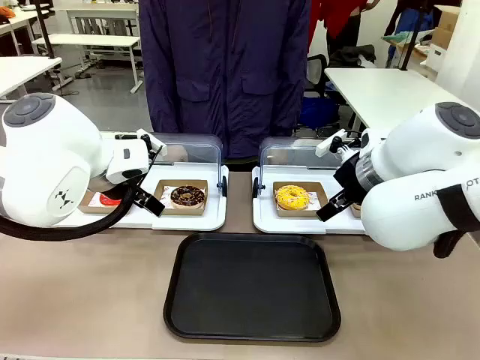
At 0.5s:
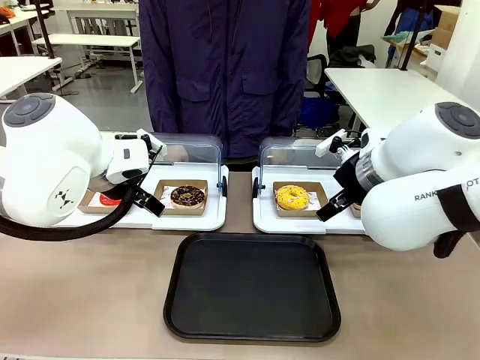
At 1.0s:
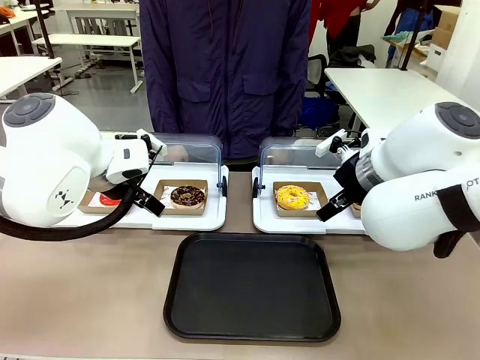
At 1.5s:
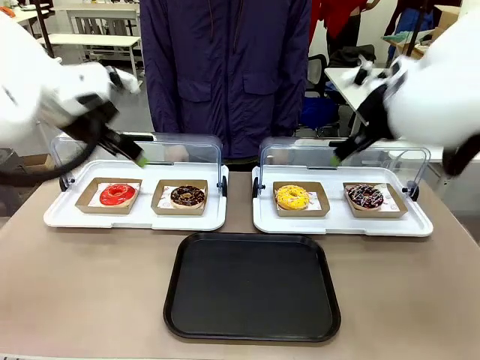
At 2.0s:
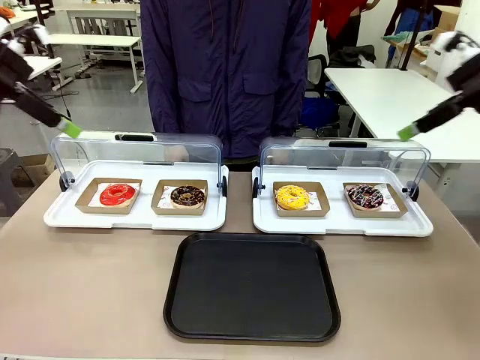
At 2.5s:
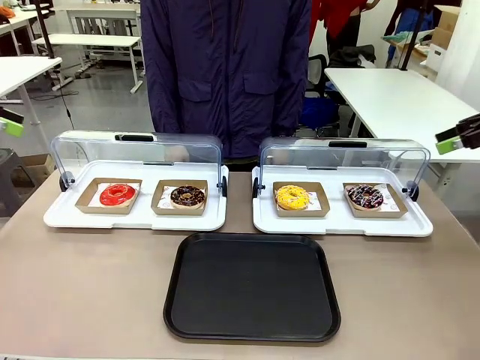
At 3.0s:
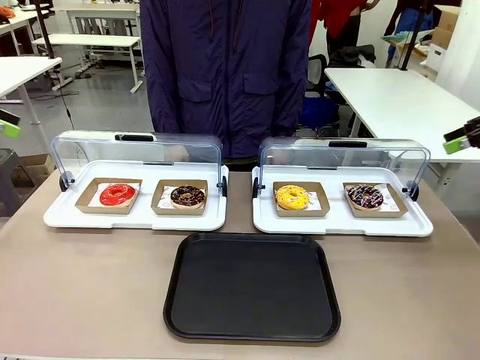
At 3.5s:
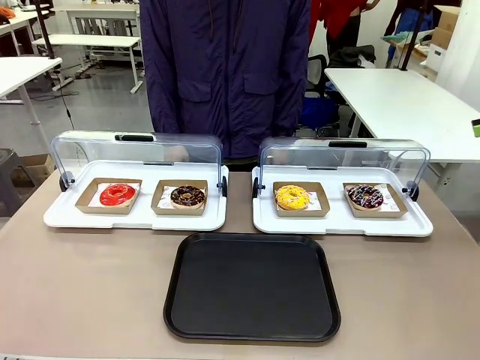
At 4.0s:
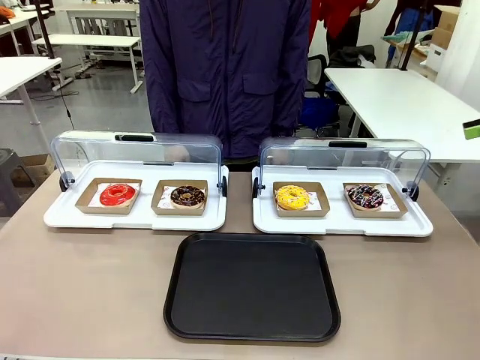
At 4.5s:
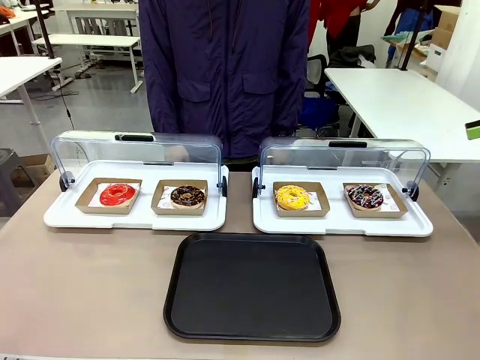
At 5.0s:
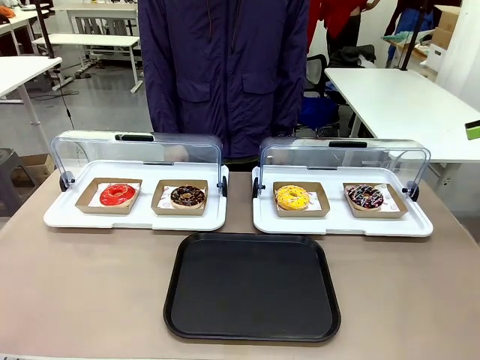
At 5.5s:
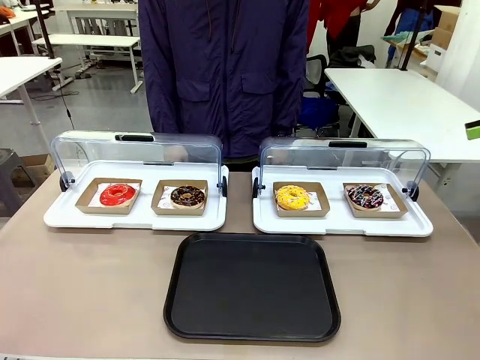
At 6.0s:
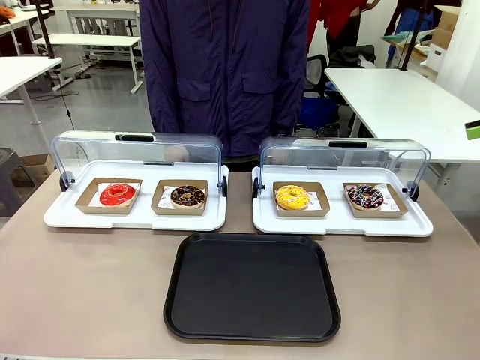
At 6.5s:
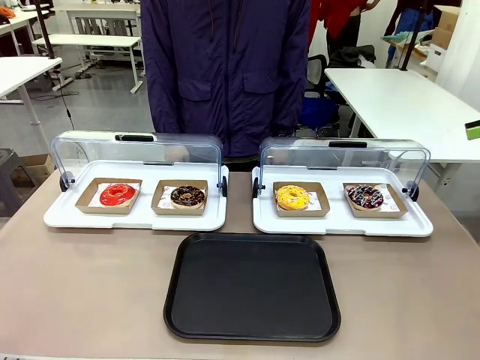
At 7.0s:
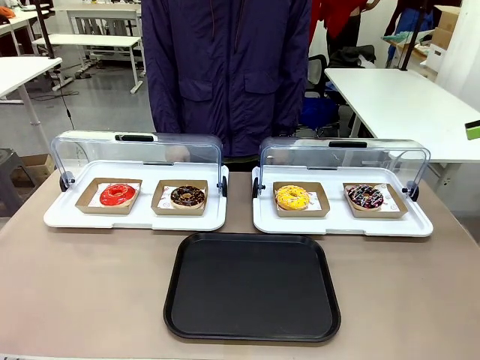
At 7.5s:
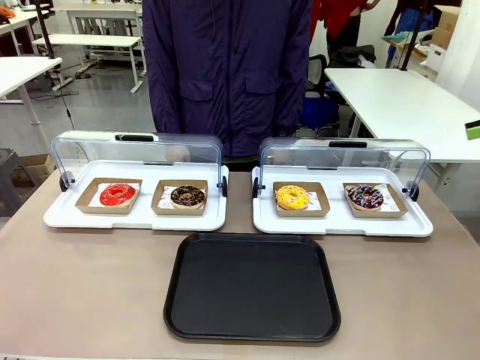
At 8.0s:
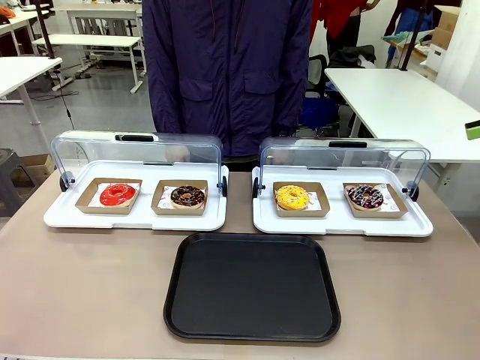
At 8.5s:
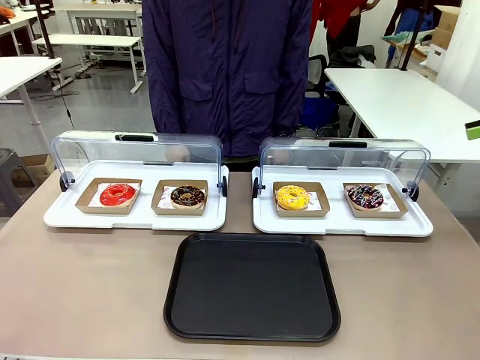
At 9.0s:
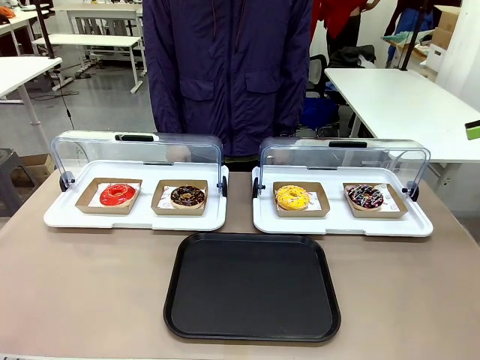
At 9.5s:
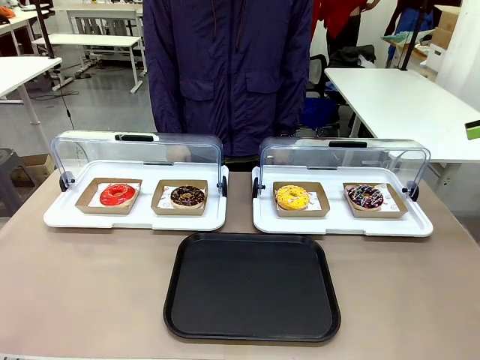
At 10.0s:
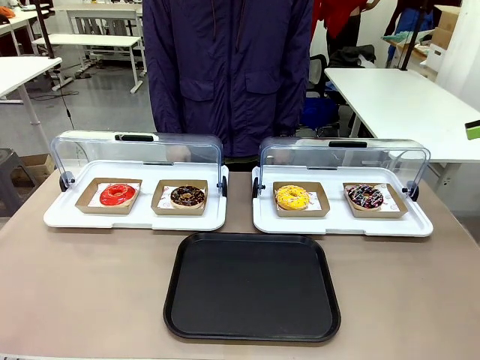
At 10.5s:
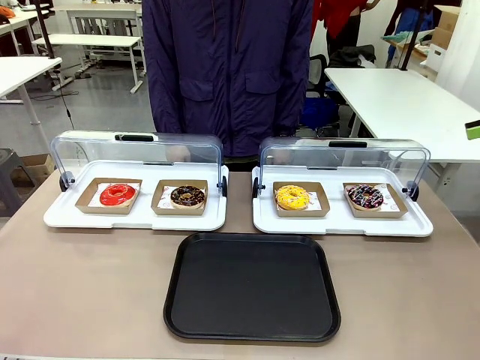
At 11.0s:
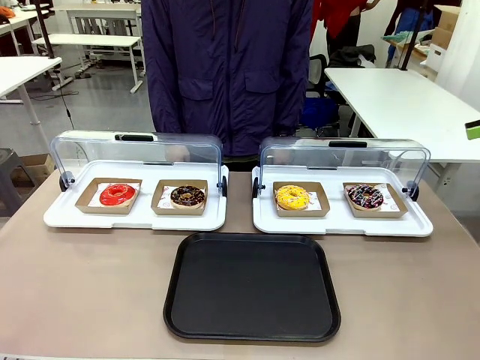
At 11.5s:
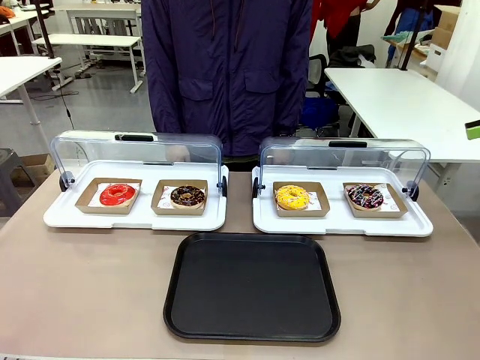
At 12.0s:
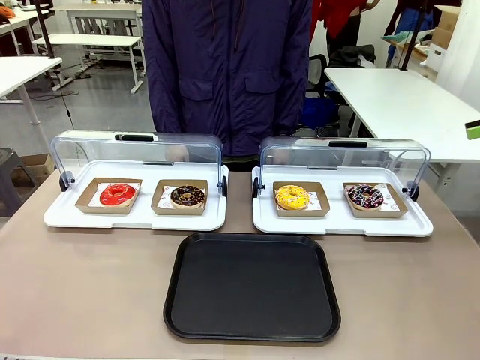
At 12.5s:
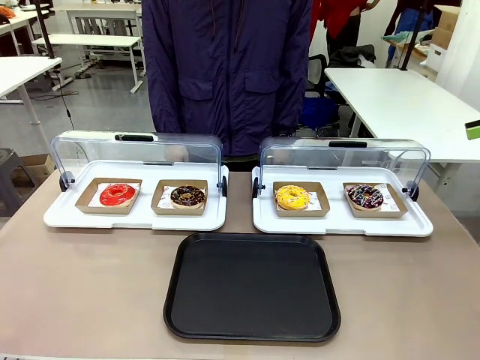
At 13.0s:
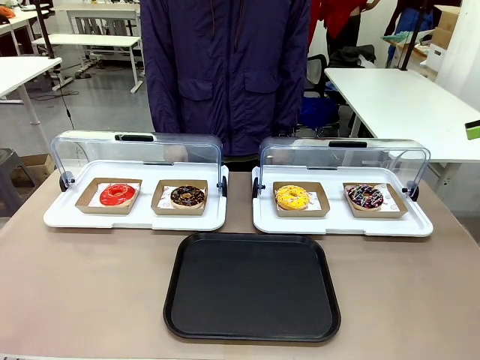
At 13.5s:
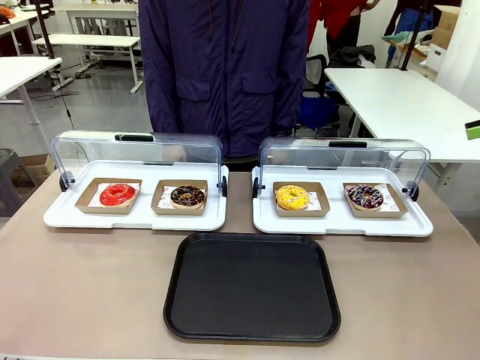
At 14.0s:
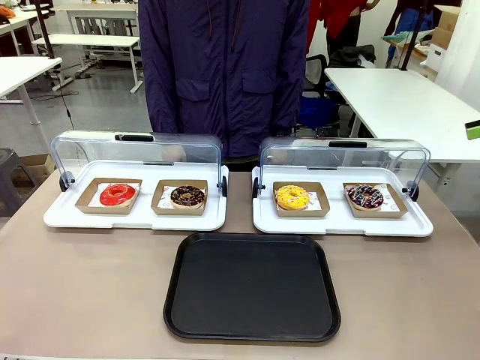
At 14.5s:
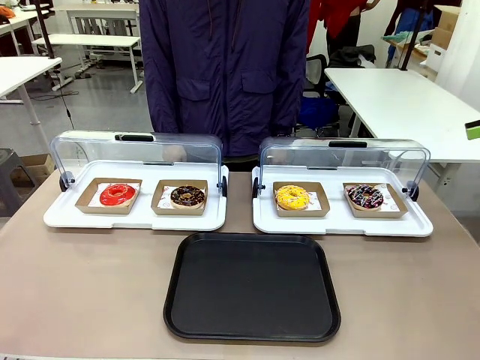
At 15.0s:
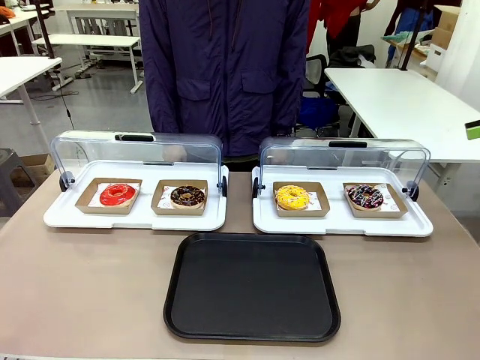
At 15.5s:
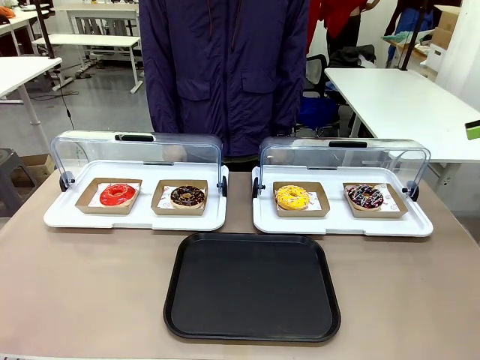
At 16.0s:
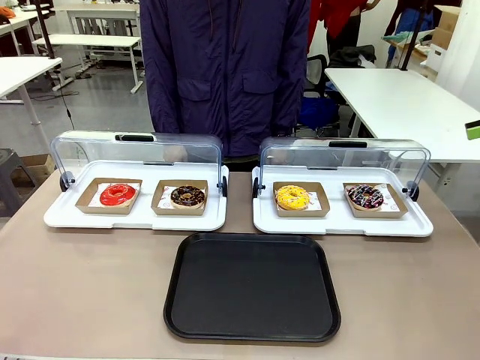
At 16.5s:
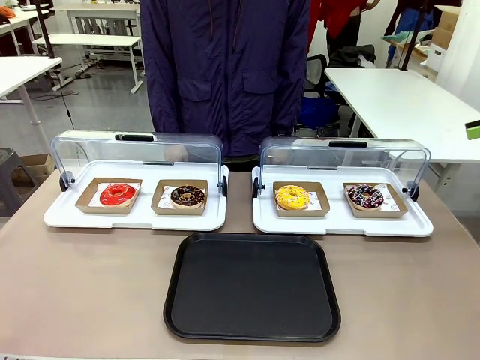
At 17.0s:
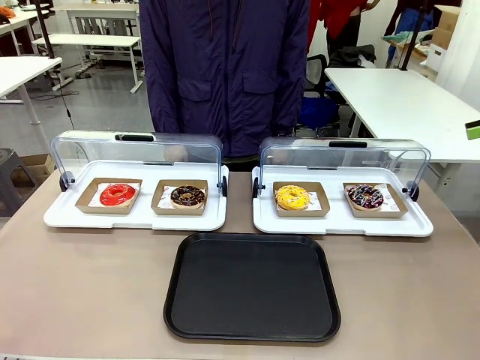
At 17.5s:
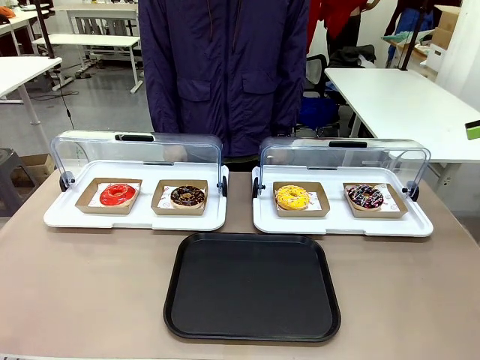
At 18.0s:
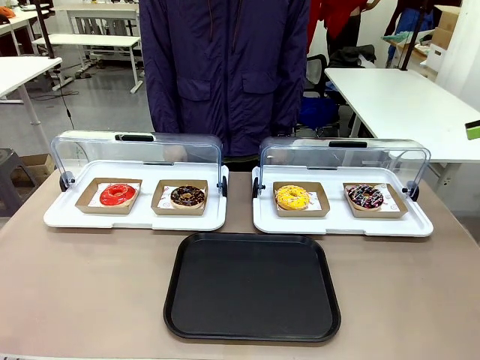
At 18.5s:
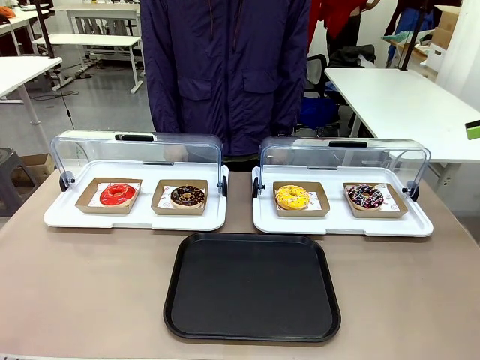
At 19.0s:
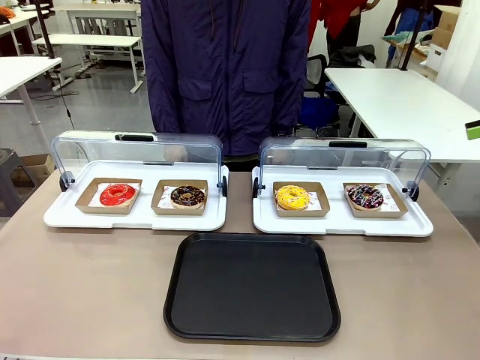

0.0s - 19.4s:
Task: Move the first donut from the left to the tray.
Robot: Pick up the Paper togo box containing the Donut indicated by the person and place it on the Handle tray.
